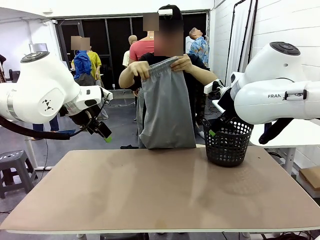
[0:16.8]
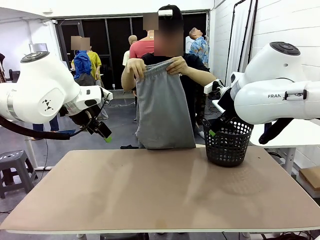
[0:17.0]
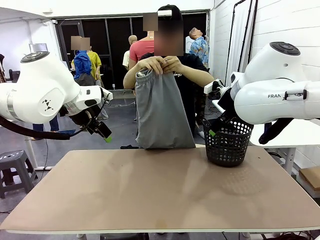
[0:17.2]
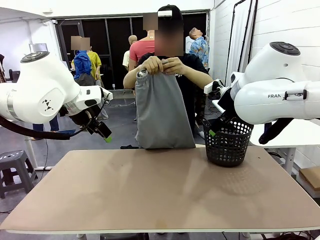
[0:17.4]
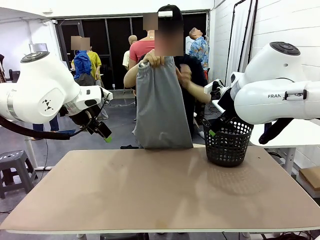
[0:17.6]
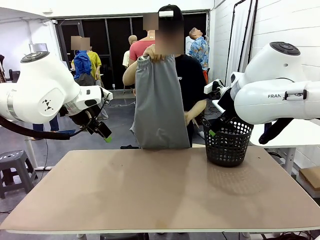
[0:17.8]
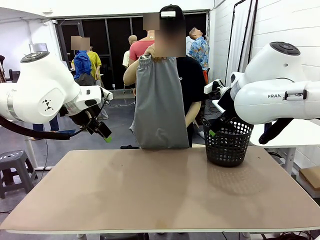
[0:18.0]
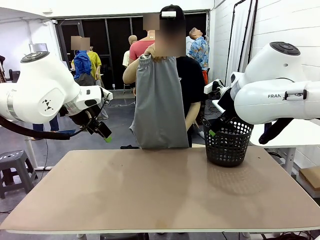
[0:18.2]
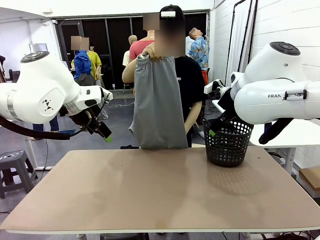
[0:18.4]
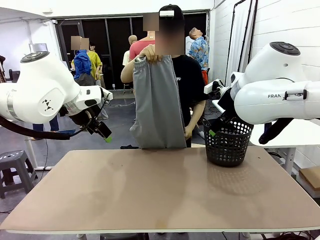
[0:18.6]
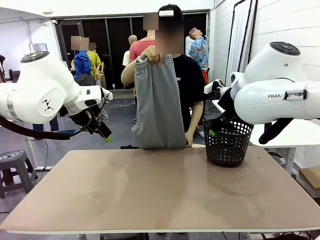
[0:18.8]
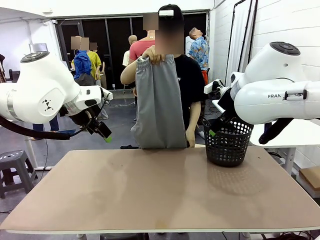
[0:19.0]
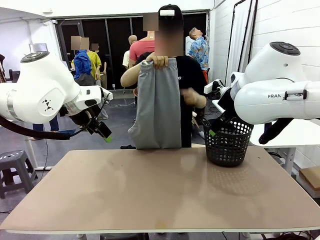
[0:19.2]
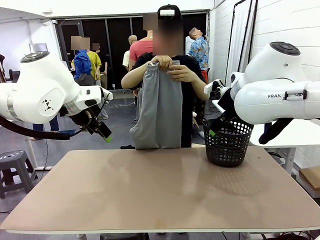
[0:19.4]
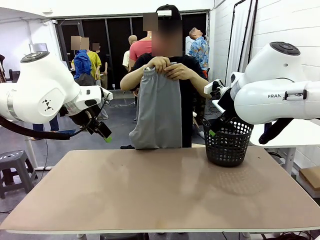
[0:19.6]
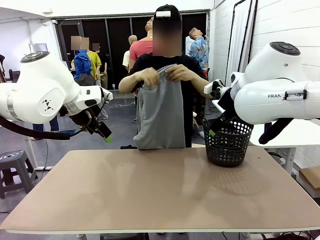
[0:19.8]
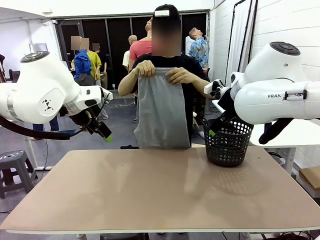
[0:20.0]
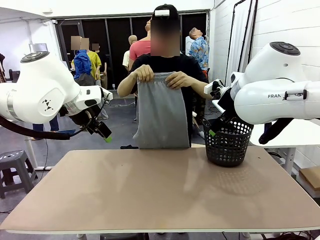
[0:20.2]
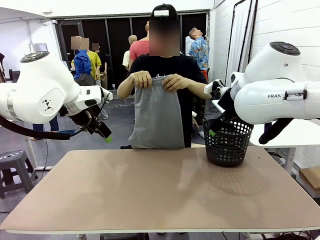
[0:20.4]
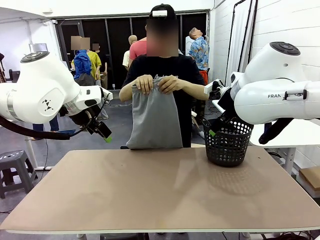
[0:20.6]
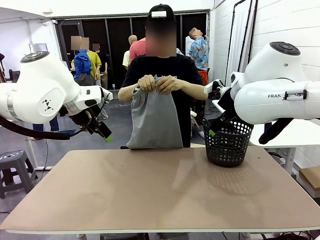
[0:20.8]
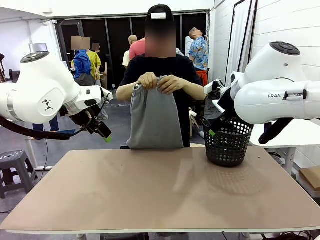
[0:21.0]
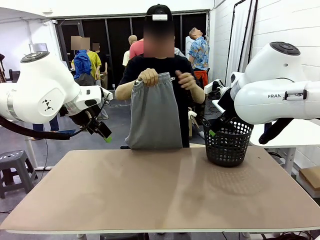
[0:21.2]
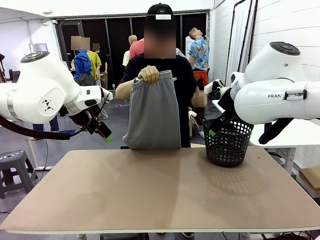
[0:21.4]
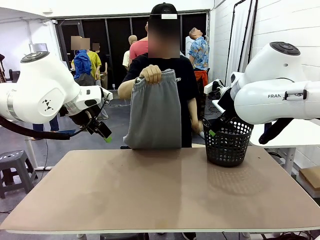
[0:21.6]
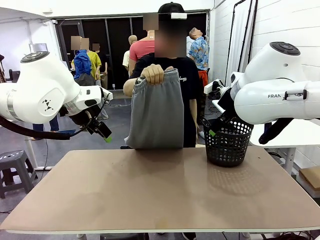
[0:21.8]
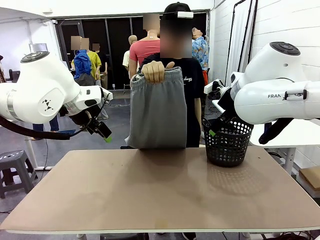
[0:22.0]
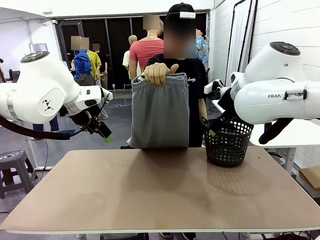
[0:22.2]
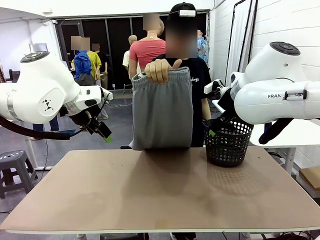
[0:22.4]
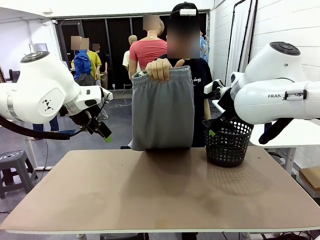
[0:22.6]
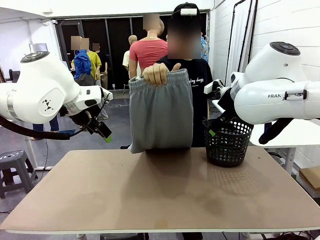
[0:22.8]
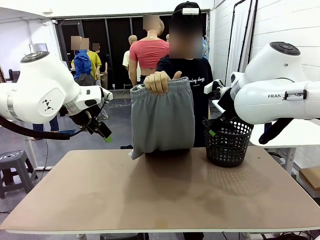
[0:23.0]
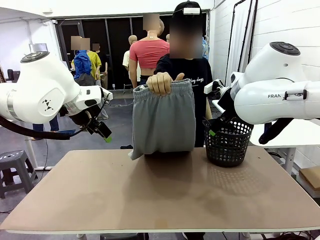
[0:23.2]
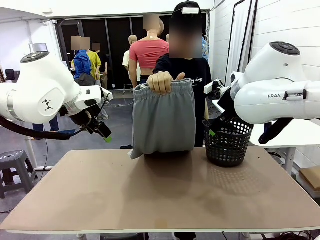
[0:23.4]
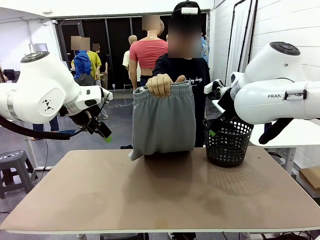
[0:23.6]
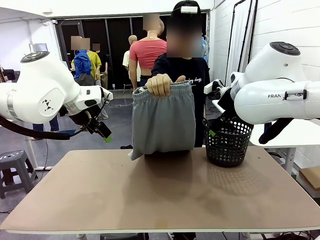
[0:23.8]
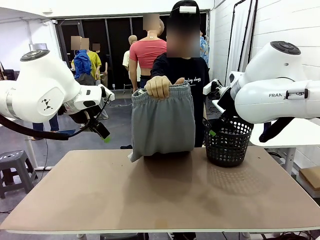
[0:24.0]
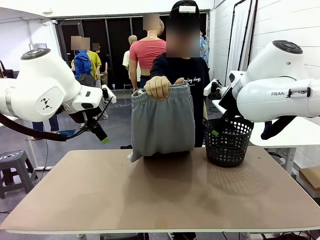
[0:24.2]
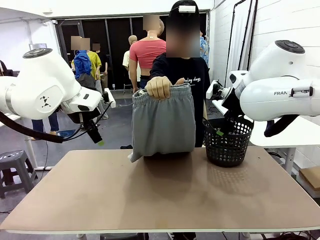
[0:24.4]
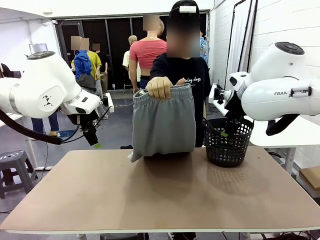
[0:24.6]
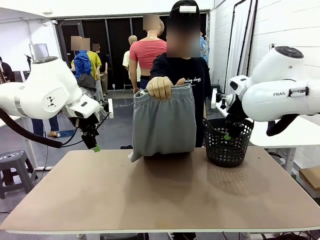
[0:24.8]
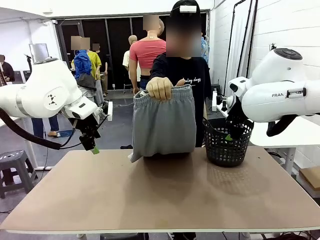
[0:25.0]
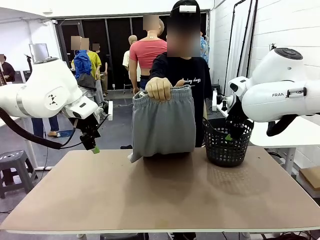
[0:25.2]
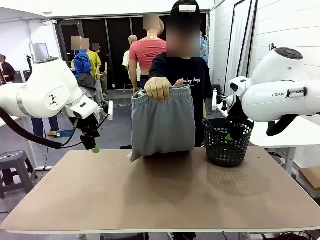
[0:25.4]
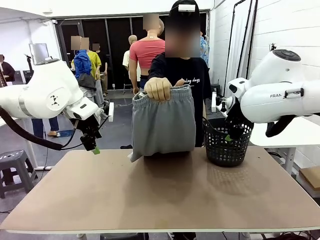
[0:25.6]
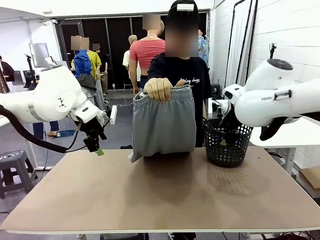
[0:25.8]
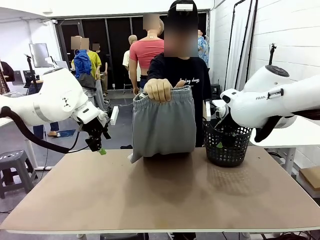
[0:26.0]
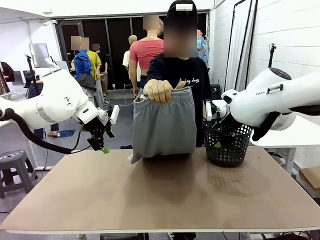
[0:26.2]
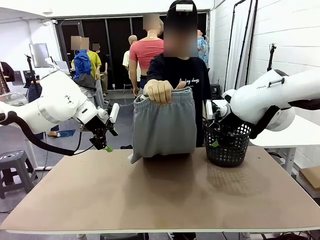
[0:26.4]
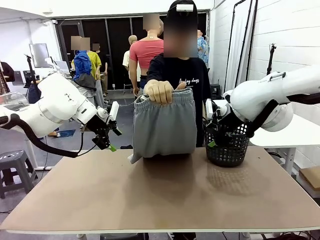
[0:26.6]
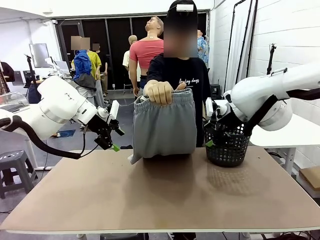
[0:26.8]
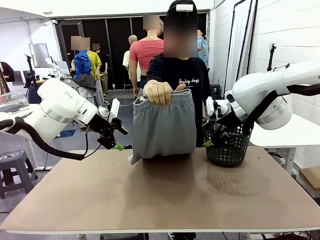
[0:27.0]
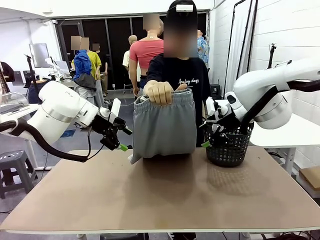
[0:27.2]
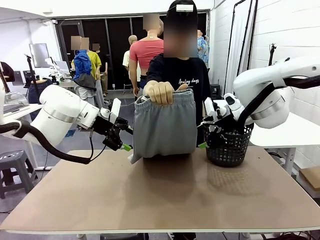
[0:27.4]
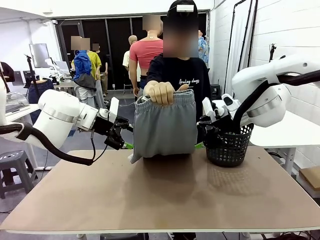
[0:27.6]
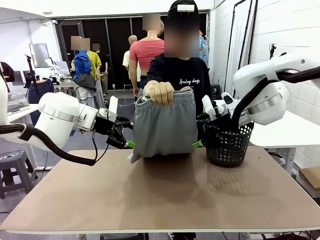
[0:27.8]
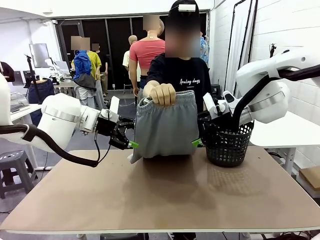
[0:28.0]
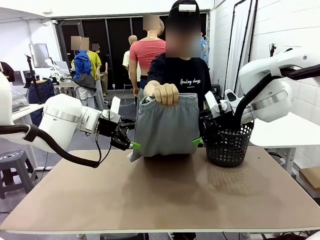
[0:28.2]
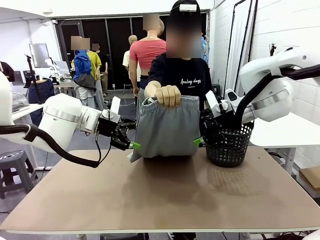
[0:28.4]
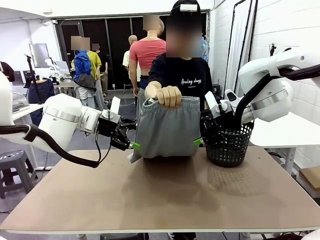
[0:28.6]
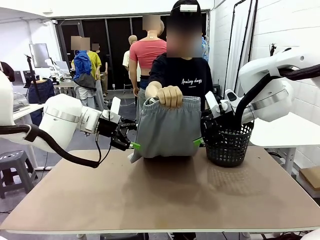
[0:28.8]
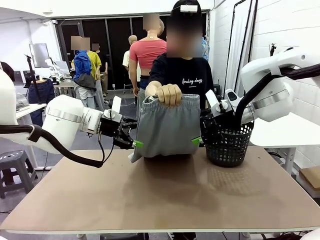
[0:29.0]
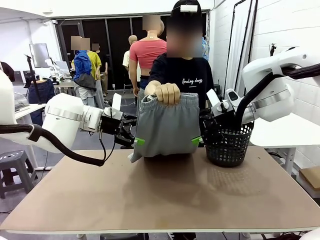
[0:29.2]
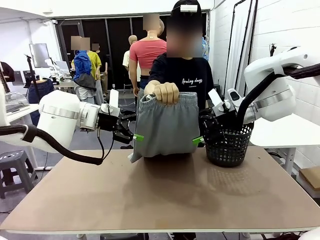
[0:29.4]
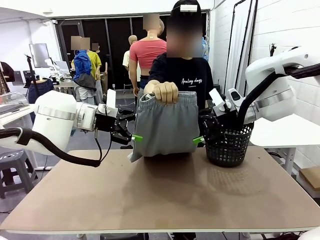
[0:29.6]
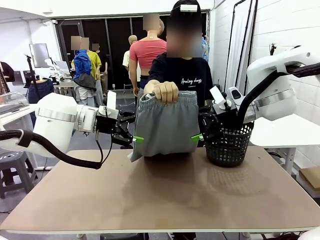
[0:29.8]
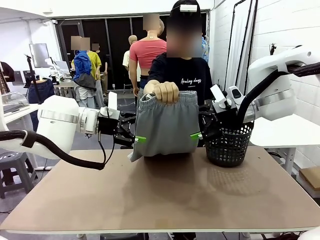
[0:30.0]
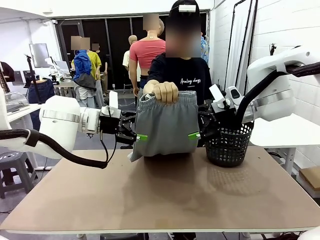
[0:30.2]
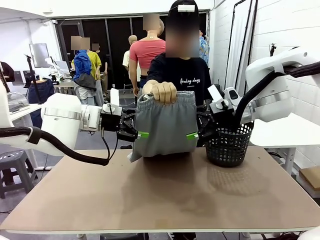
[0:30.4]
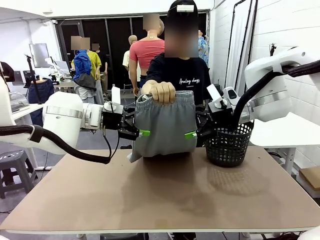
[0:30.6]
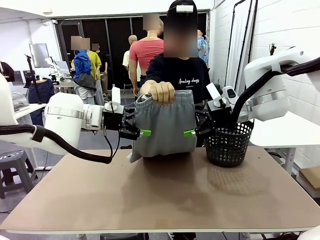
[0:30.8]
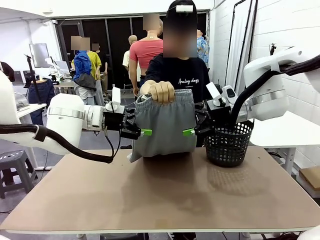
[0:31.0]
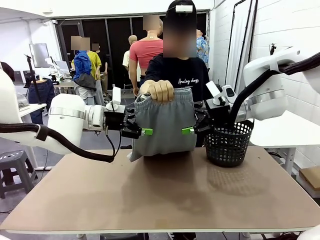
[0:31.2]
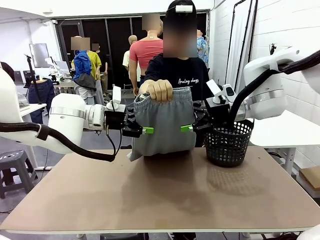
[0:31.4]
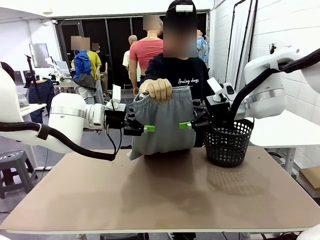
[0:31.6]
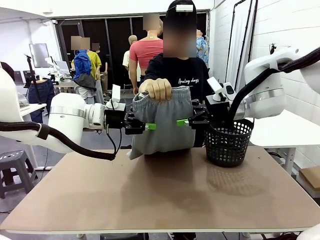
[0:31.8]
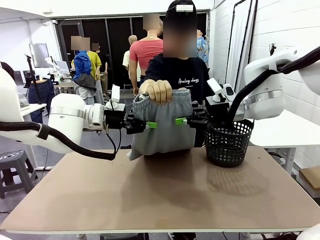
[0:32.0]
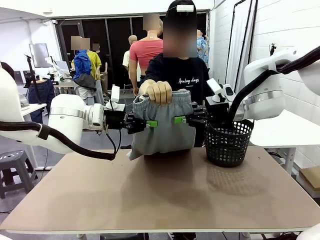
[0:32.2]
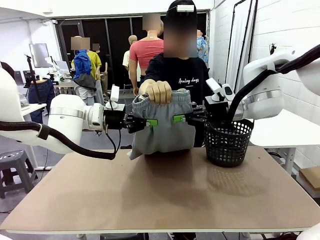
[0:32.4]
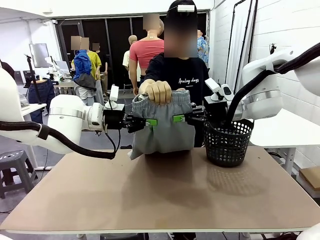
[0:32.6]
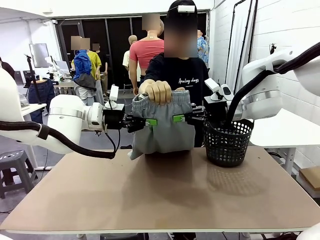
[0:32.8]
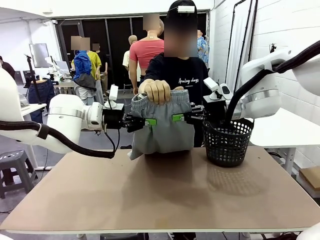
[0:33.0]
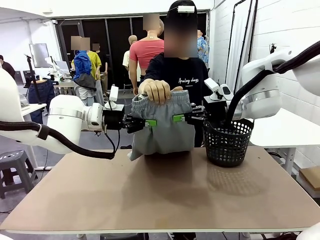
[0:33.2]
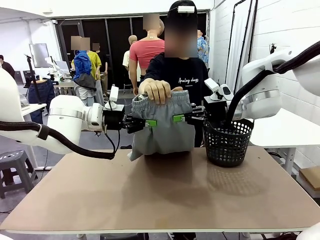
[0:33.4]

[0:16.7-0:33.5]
Task: Fold the training pants.
Robot: Grab both ends of the Training pants handed by a person.
